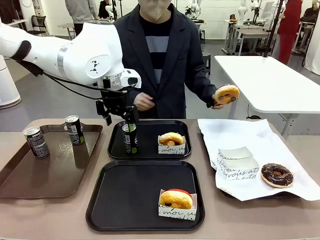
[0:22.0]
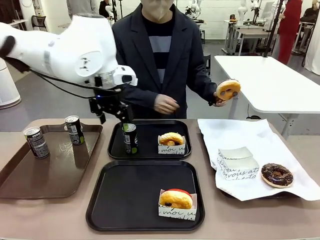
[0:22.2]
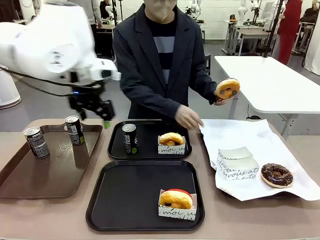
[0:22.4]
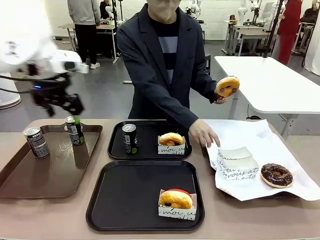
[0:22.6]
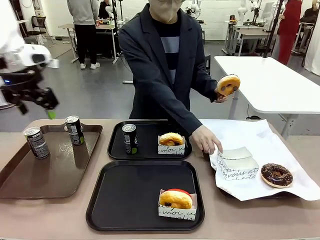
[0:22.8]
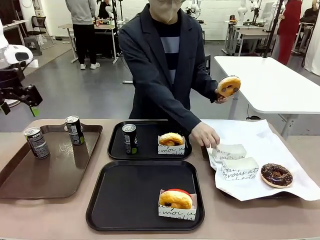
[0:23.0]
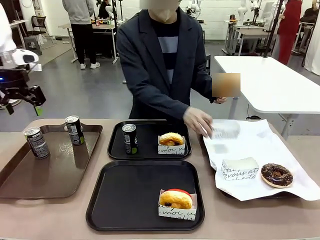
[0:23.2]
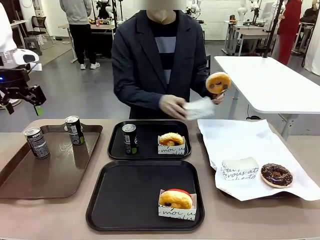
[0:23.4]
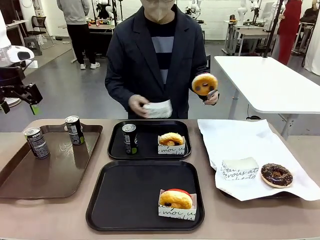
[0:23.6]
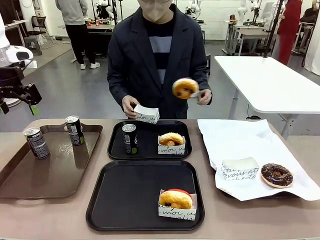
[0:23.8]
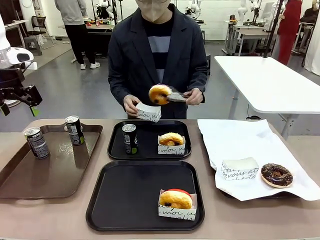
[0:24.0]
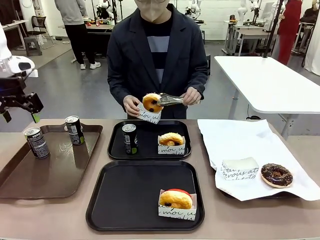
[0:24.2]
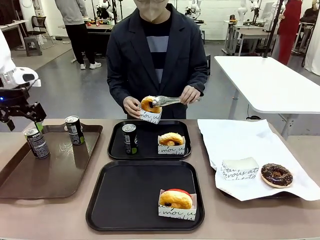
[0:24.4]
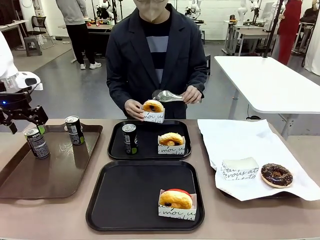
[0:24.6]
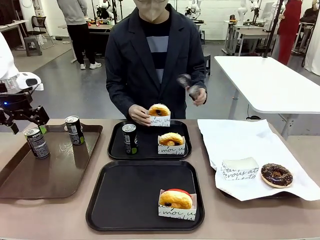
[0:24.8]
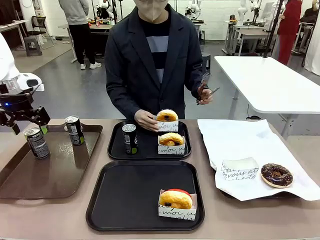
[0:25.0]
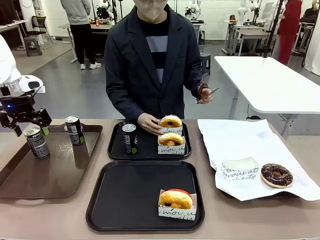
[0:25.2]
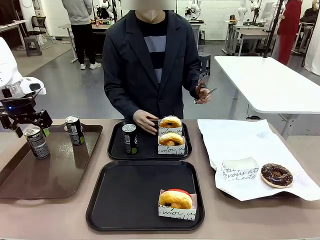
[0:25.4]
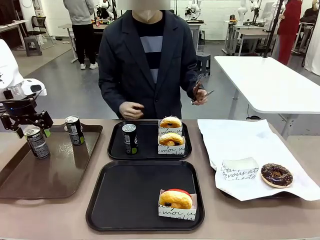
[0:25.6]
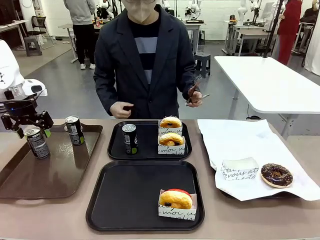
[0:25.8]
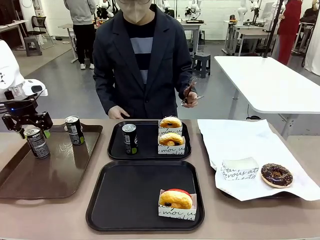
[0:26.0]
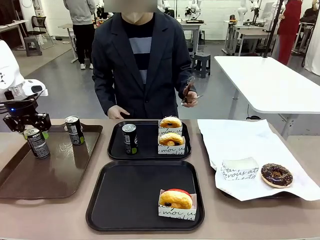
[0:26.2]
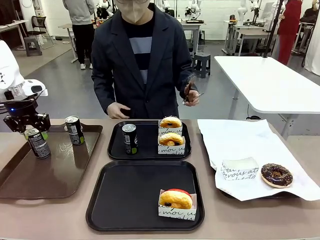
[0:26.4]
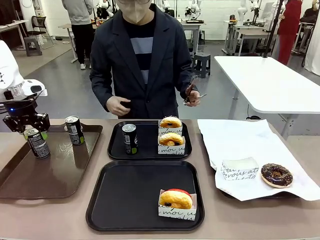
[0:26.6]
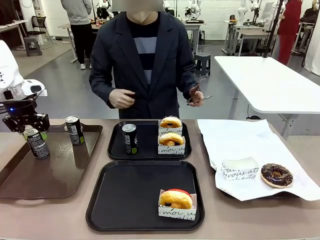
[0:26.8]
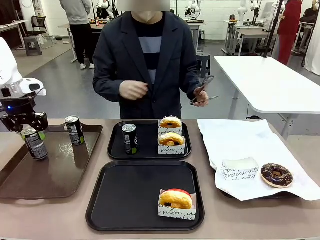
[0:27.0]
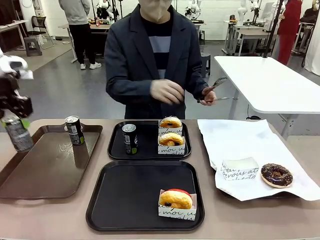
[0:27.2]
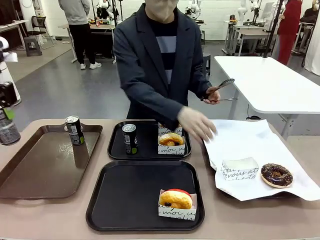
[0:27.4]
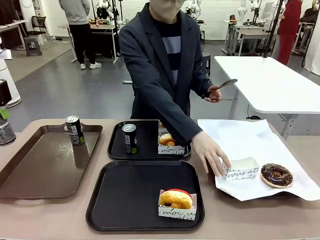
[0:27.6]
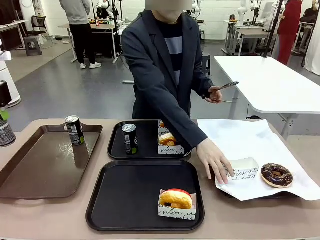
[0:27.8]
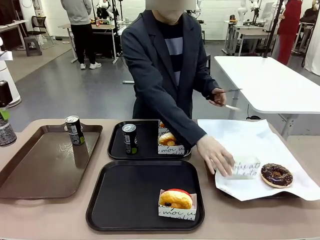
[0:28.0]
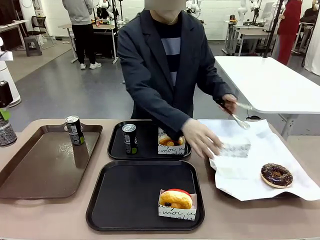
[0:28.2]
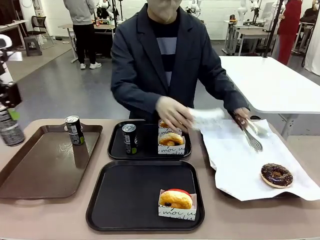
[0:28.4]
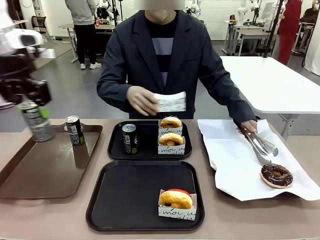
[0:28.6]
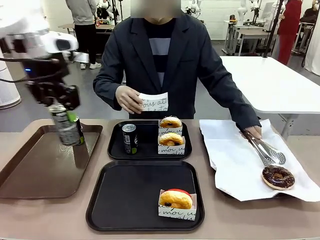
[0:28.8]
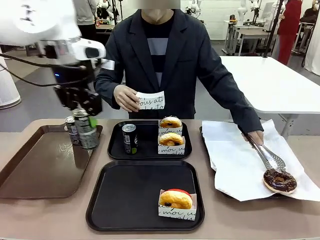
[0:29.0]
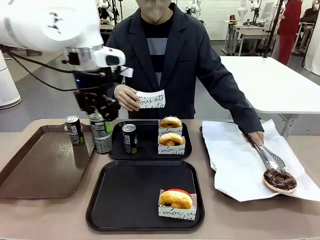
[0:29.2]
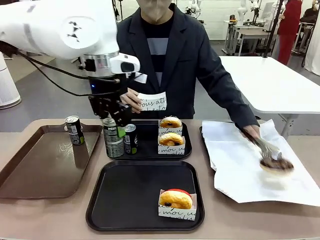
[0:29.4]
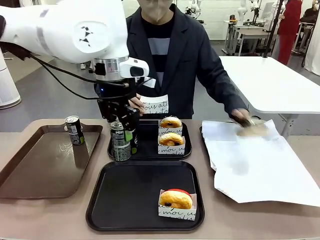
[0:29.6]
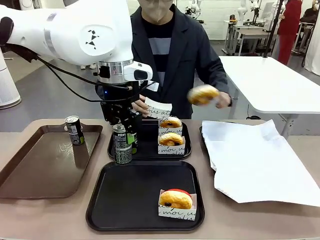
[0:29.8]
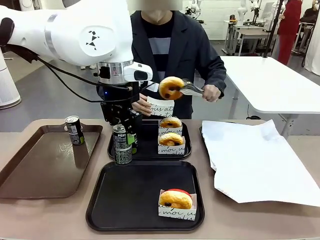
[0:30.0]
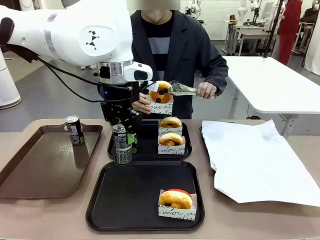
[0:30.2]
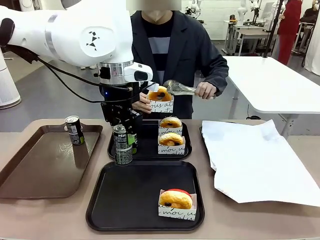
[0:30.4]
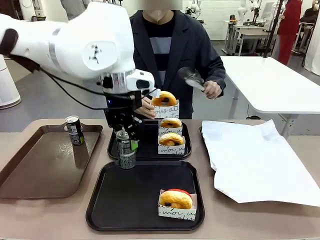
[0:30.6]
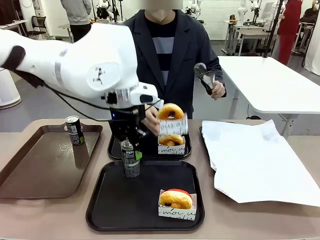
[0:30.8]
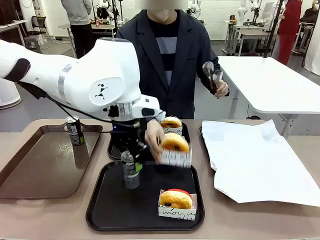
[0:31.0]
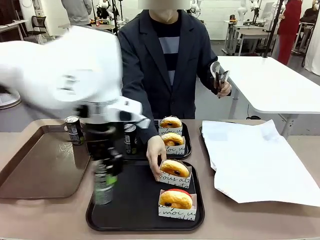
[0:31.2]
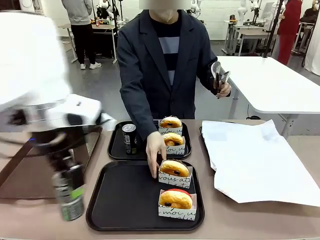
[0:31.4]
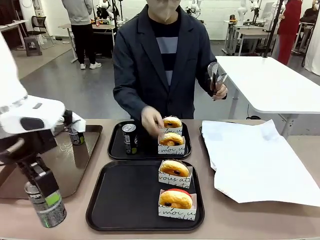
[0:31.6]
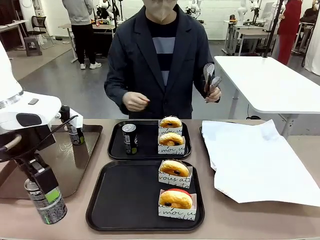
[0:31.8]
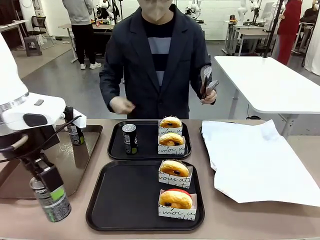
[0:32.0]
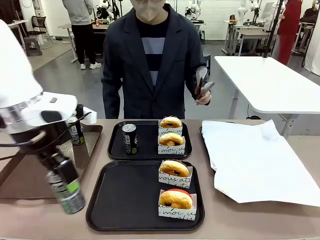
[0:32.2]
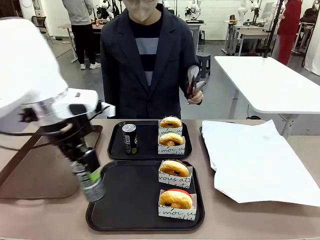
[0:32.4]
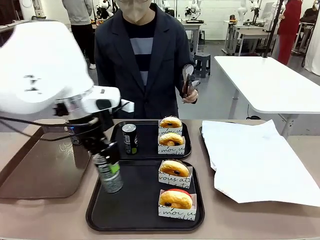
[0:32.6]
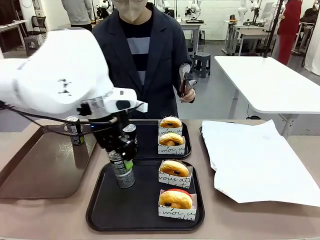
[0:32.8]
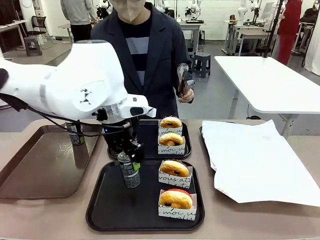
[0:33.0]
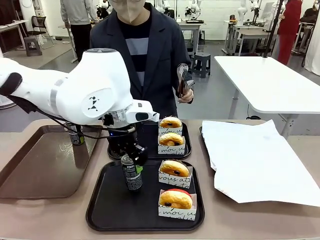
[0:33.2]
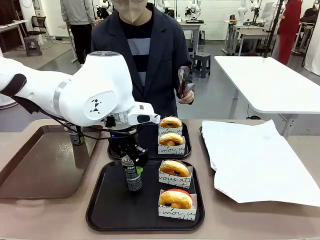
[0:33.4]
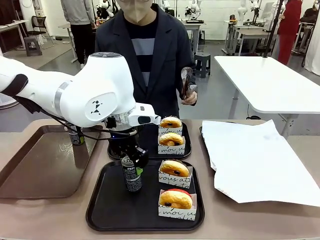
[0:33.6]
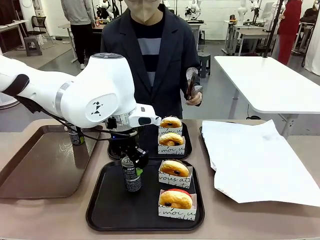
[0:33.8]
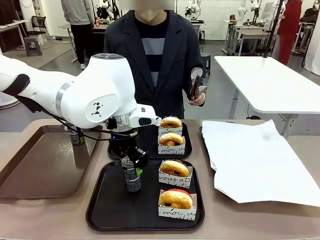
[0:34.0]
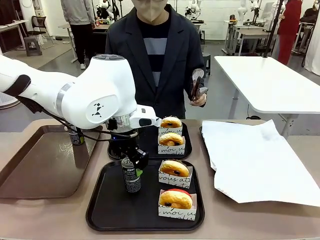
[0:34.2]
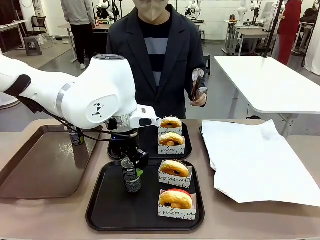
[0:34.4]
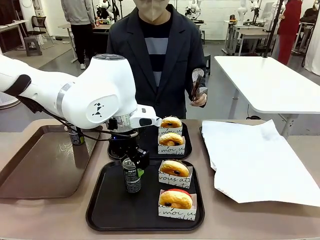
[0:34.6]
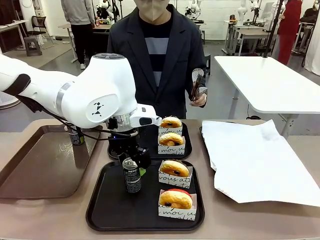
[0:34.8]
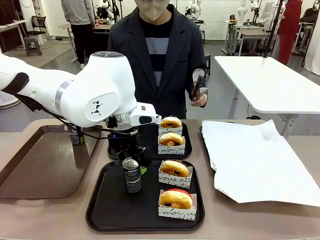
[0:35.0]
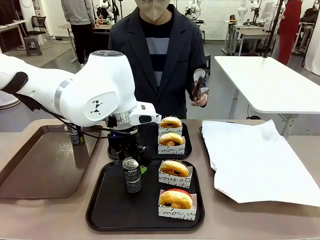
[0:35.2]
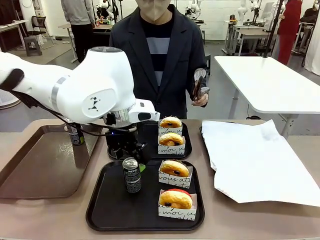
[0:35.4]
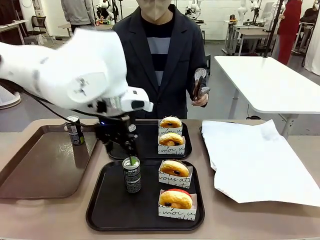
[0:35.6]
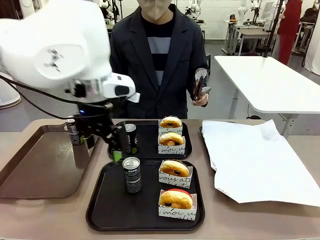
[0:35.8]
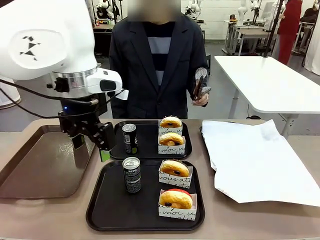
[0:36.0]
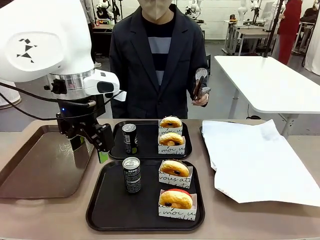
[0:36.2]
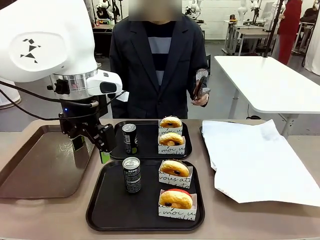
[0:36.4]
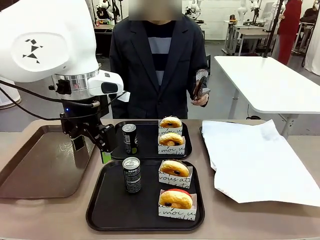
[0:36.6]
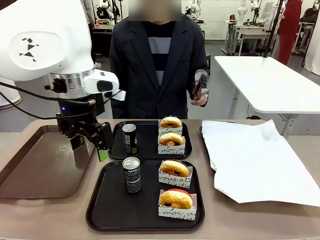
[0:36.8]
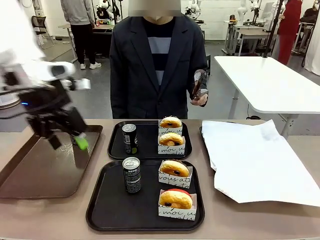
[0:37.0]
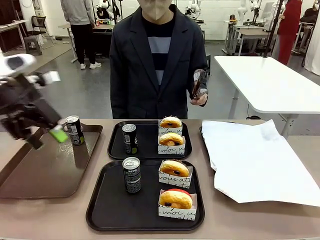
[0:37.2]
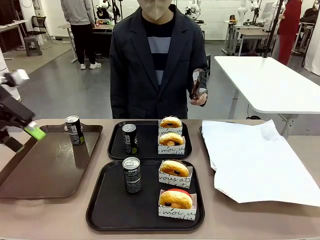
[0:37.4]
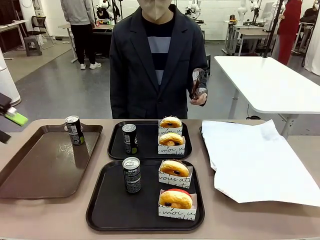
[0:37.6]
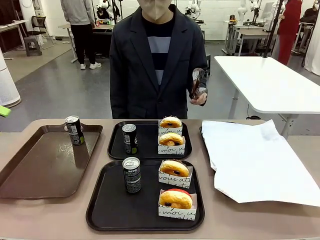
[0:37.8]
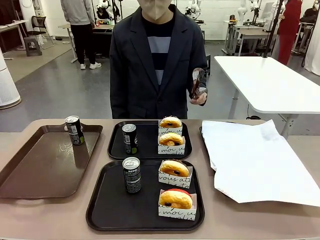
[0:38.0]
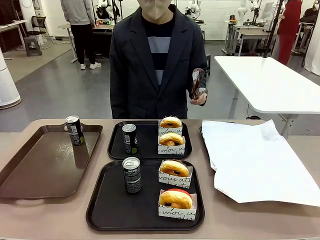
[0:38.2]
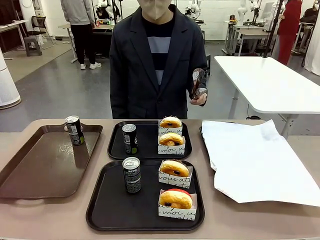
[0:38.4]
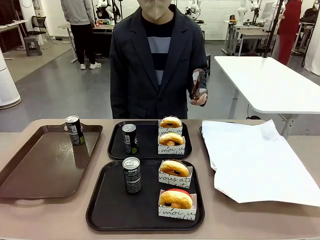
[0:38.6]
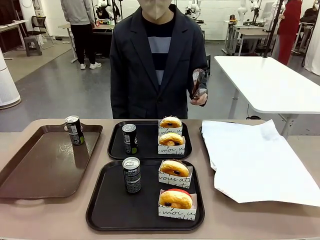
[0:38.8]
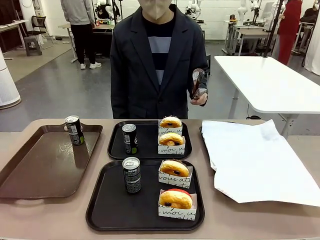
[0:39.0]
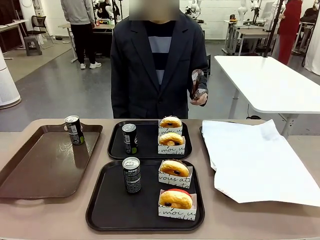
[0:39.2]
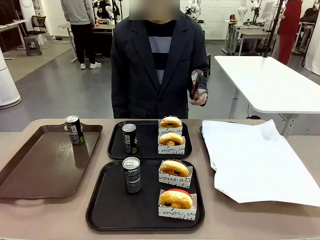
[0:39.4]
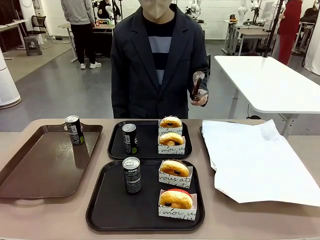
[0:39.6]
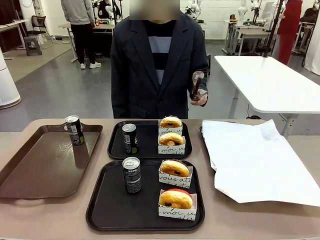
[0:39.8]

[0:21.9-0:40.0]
Task: Set up donuts and drinks on trays.
Robot: Pick up one Pepsi coke from the Handle tray and place it on the Flat Tray without a Pepsi coke.
